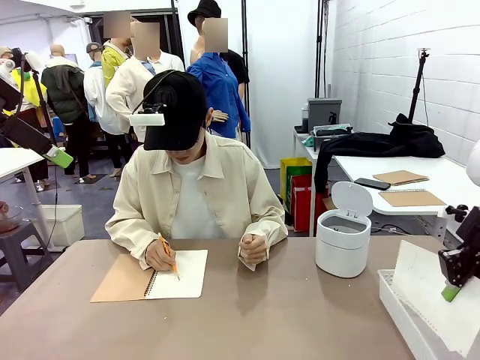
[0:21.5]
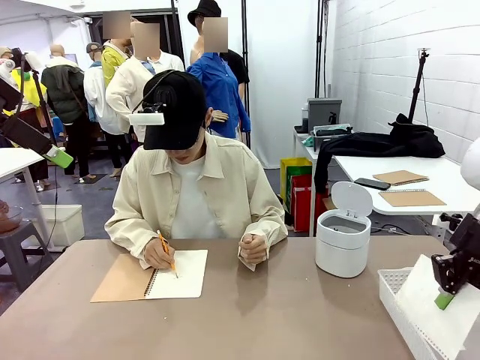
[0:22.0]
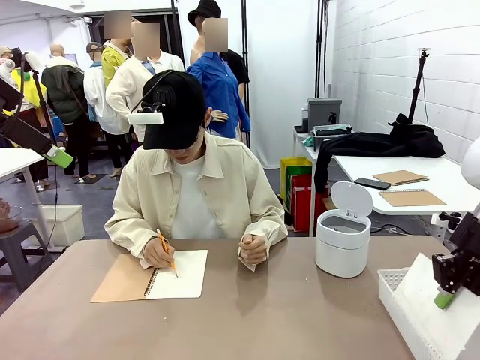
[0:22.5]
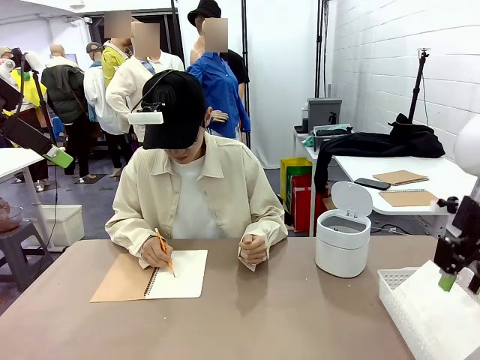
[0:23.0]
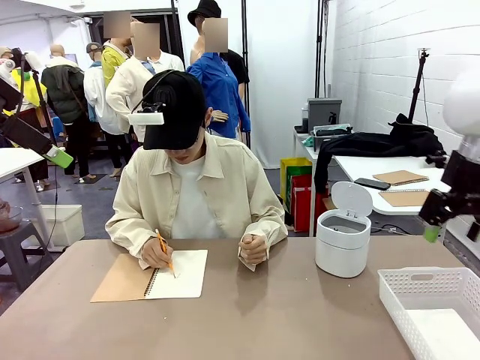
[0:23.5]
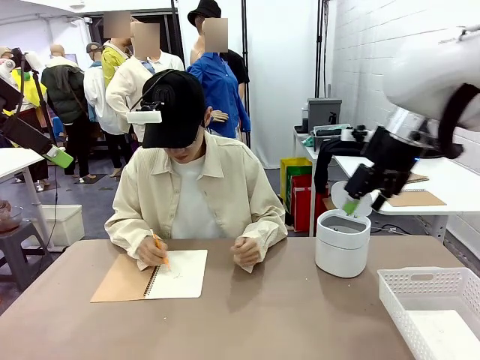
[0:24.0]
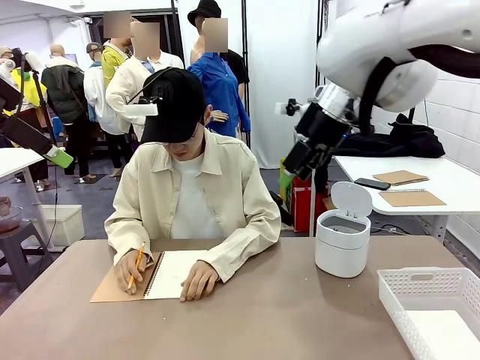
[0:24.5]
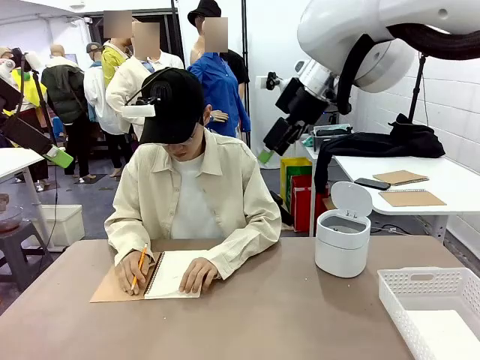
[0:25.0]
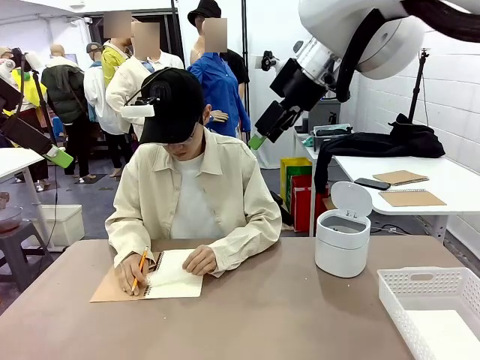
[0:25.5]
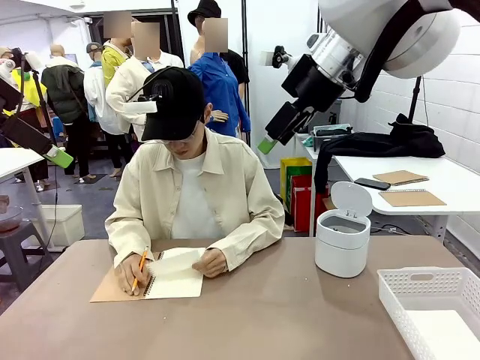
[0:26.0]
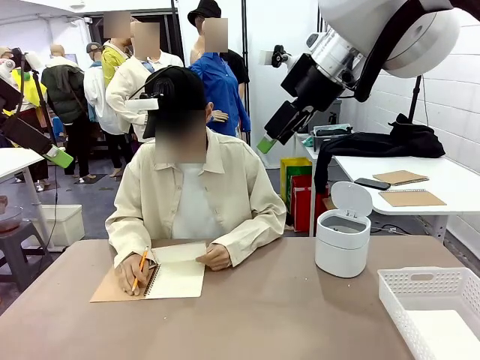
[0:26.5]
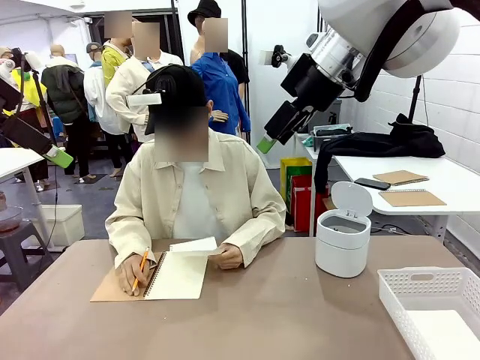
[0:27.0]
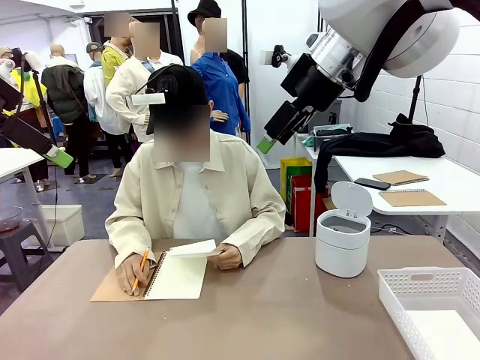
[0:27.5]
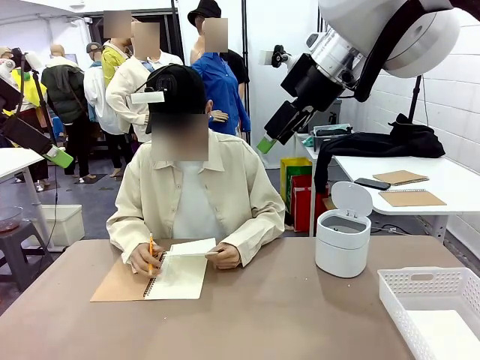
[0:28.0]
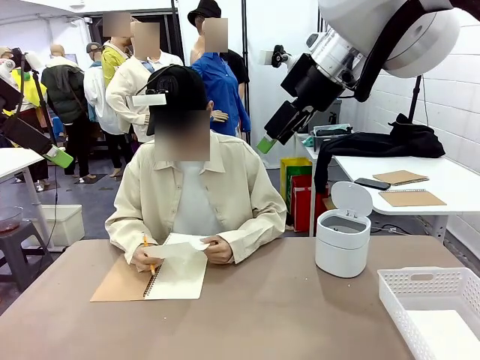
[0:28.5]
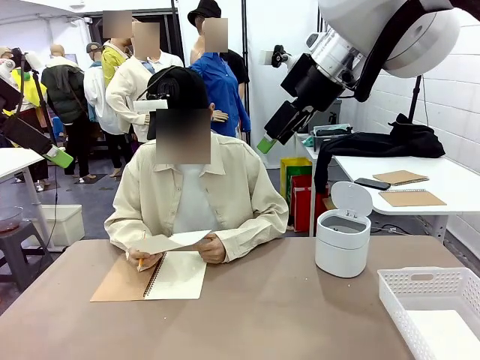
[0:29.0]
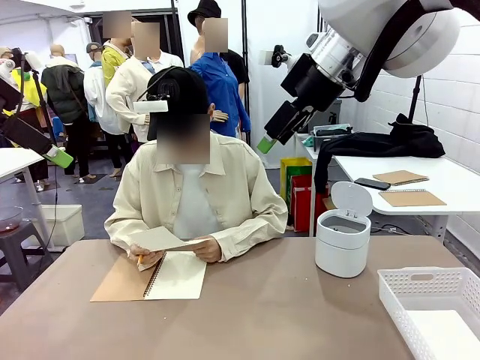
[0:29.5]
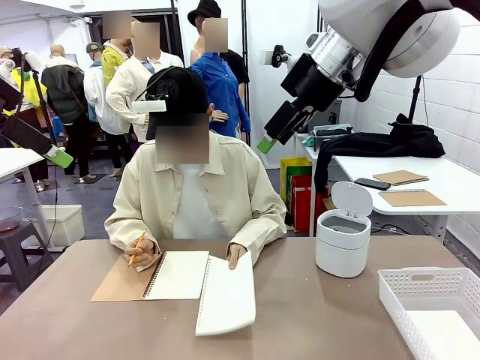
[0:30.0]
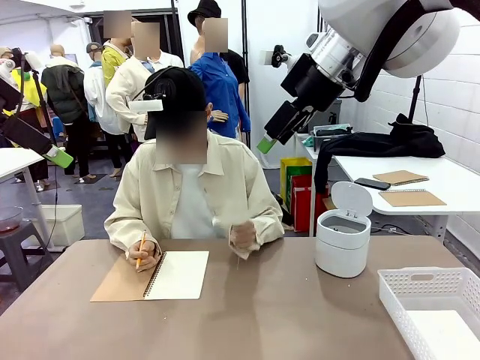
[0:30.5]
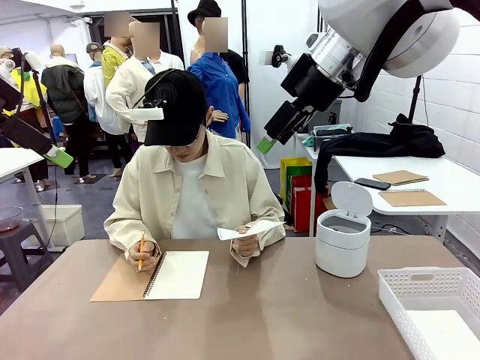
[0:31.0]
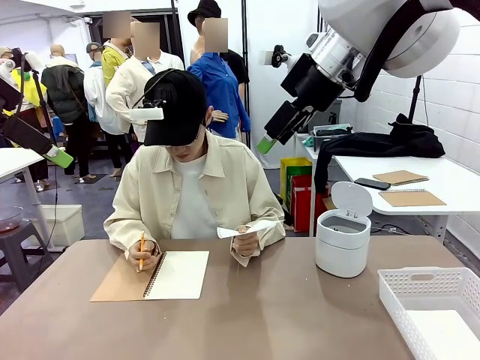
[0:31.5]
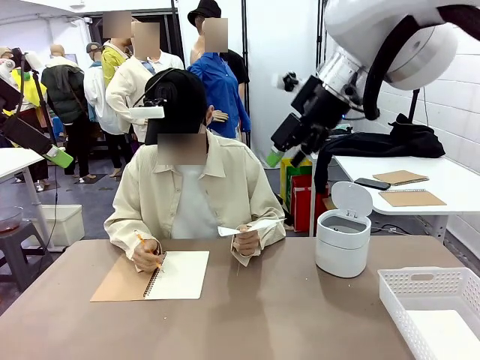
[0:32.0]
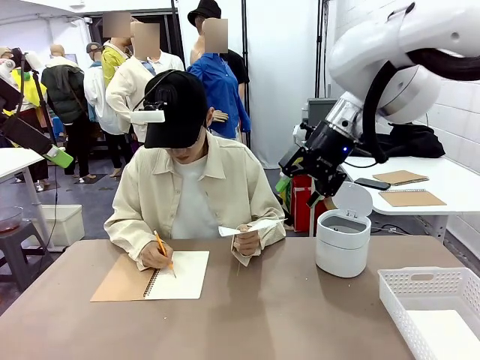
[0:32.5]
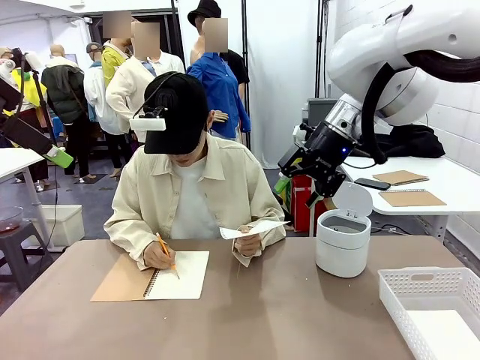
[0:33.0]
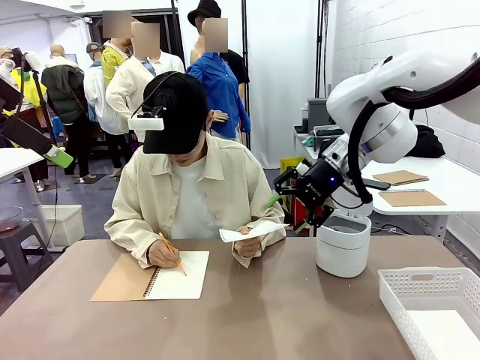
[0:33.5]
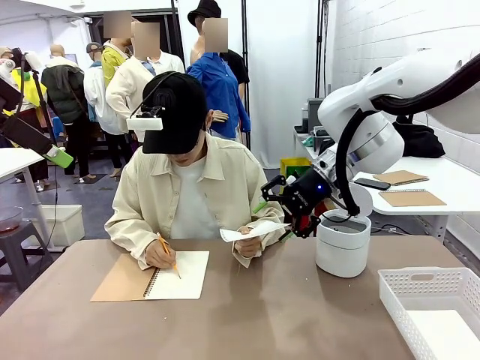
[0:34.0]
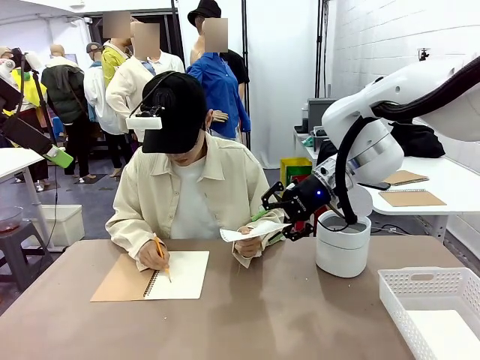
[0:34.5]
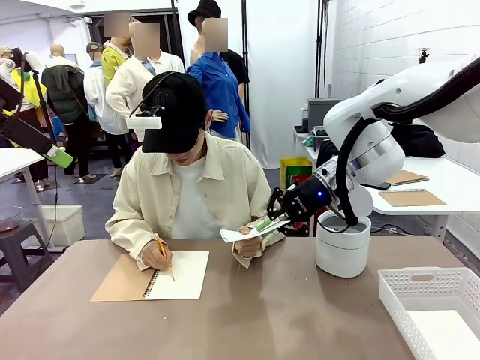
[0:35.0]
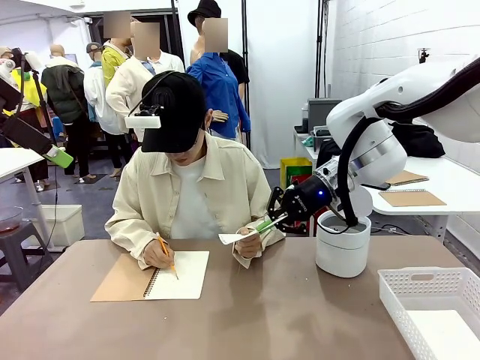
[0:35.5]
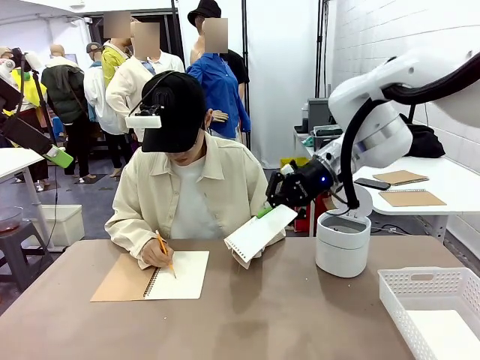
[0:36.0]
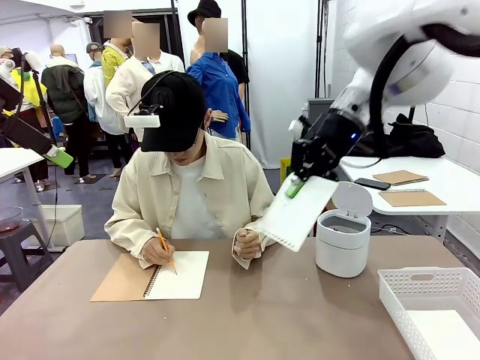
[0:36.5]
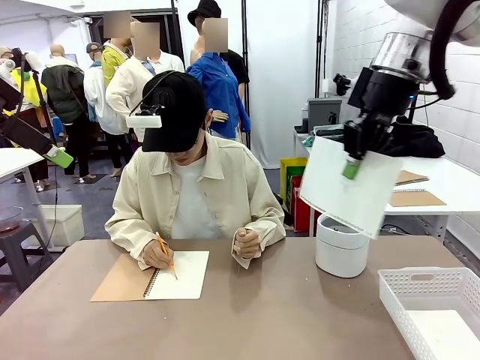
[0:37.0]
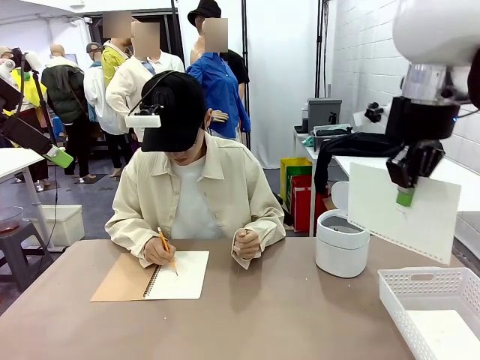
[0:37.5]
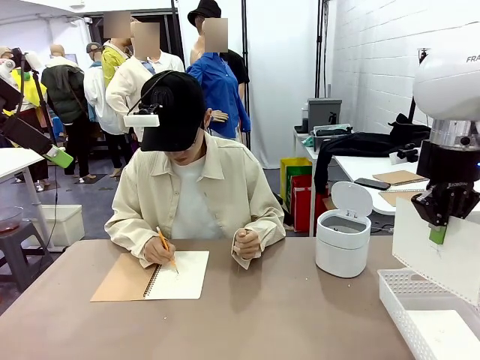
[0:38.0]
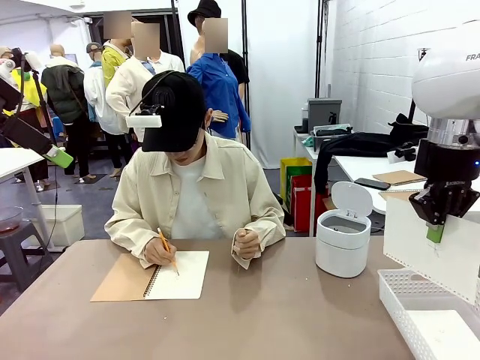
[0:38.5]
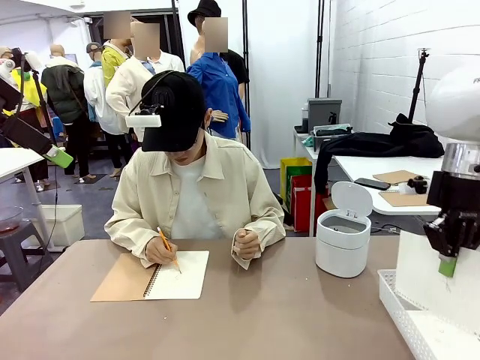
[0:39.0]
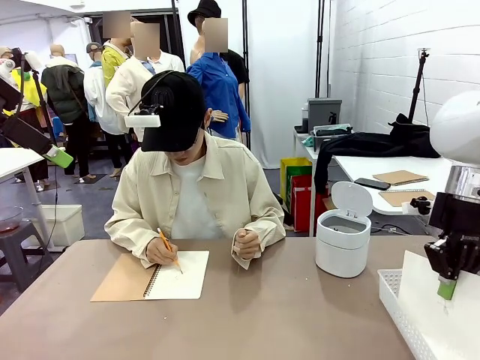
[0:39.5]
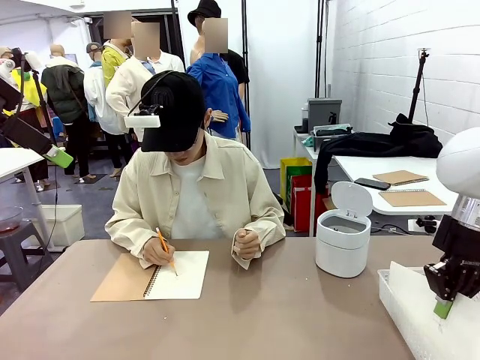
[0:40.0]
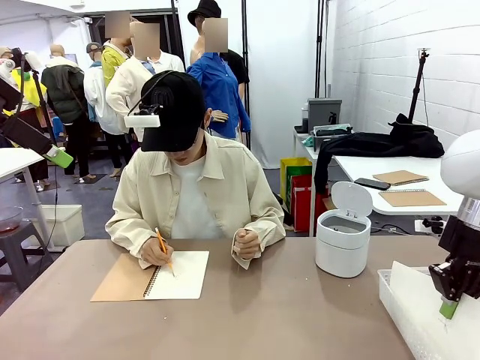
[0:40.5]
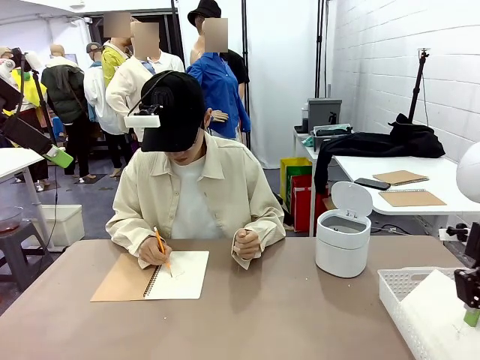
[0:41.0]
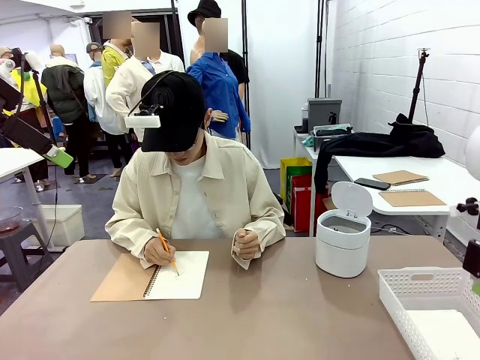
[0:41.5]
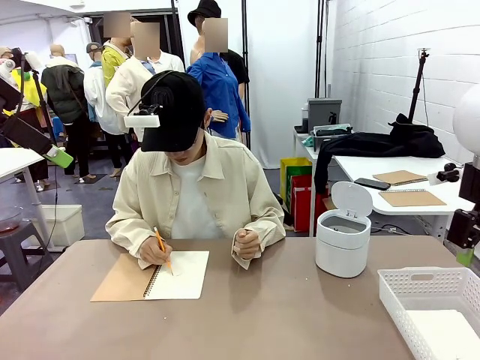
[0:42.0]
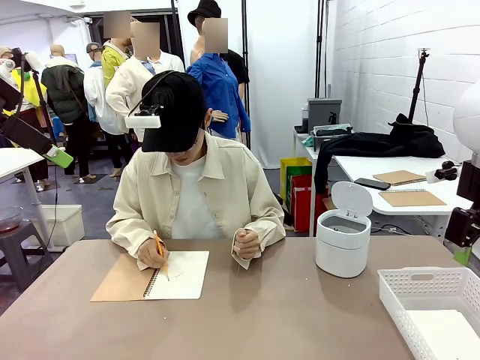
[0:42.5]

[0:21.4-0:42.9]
Task: Sort the paper based on its condition.
Robot: If a person hands you a paper, place it in the Organizing basket , and if it's crumpled, put it in the Trash can.
Person: Hand the torn page to the robot or crumple it and throw it to the center of the table. Tear out a page from the spiral notebook.
